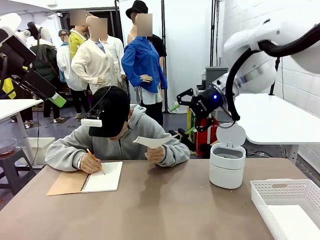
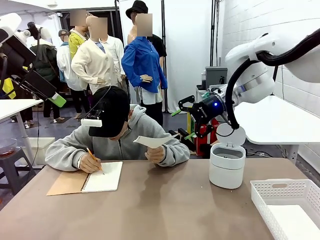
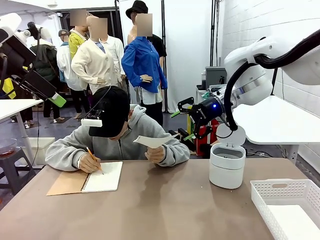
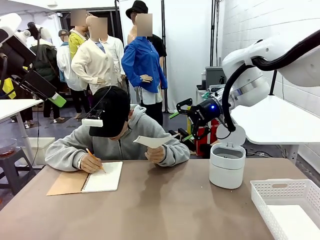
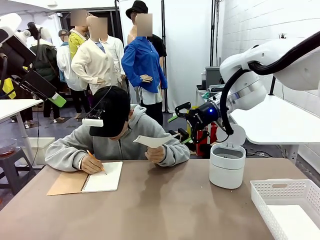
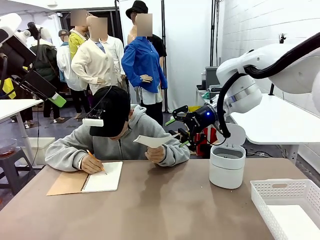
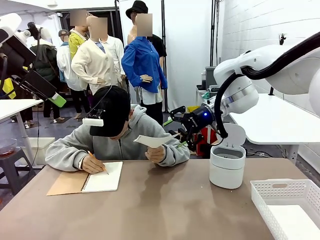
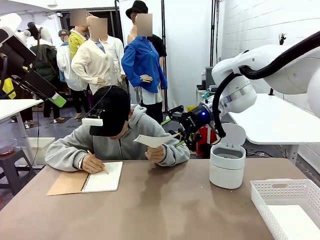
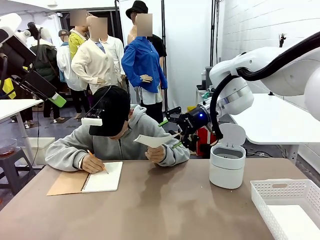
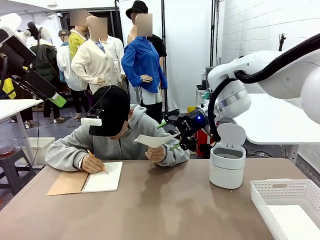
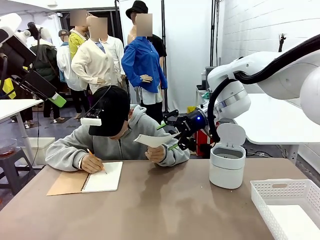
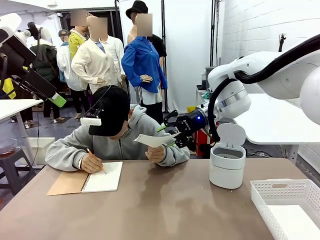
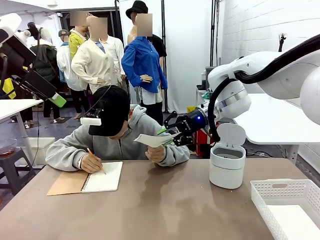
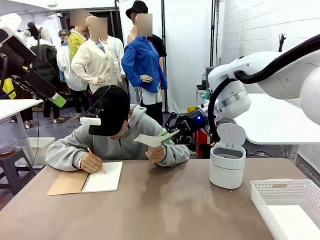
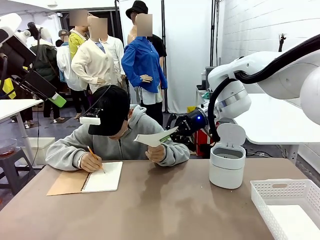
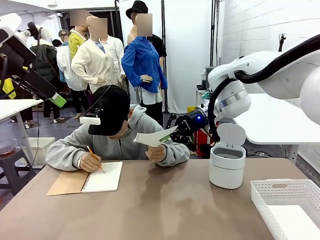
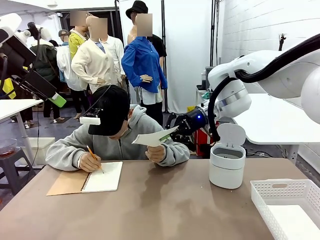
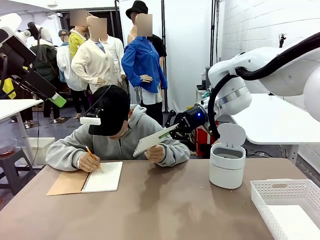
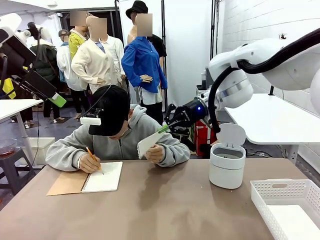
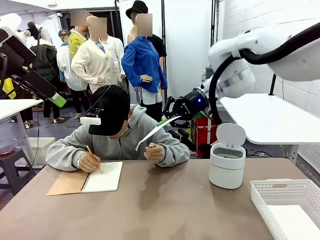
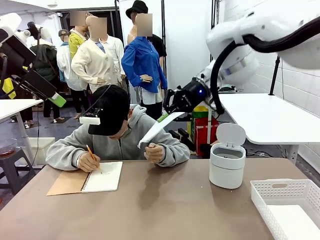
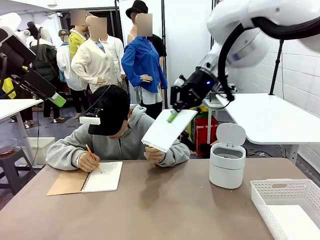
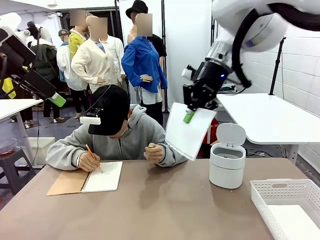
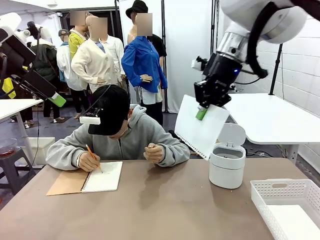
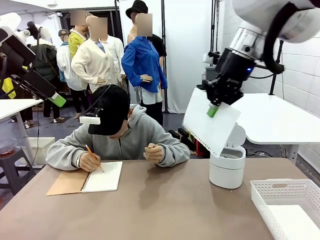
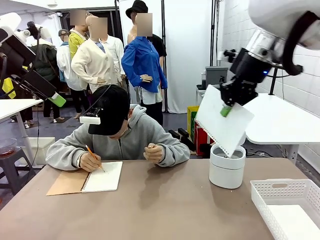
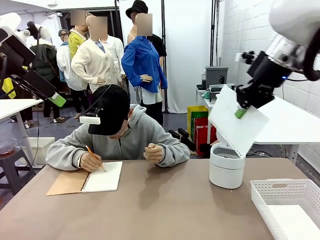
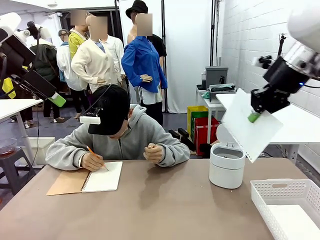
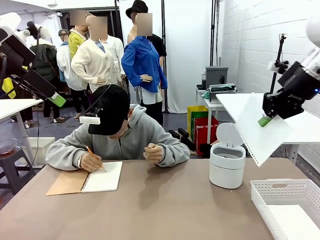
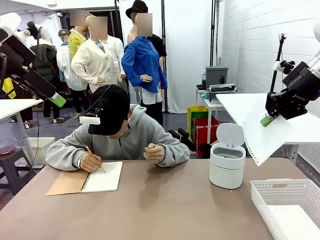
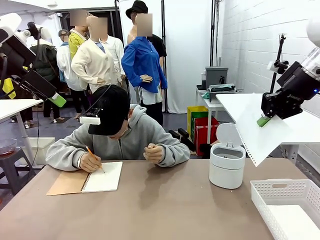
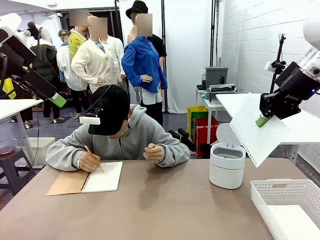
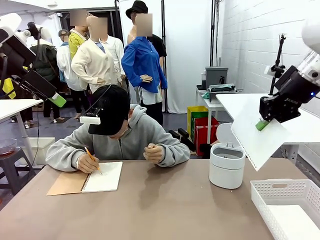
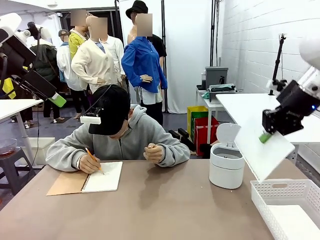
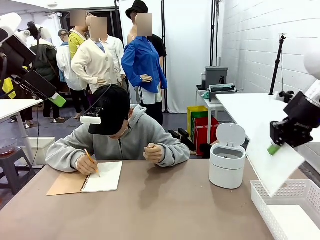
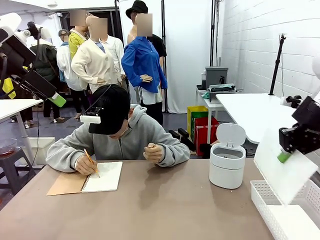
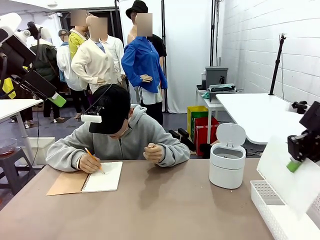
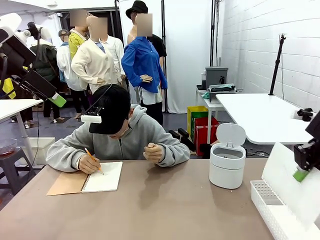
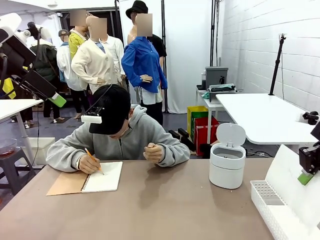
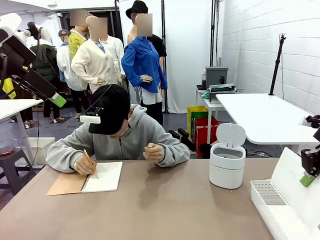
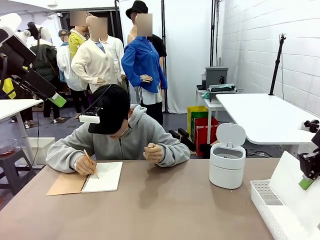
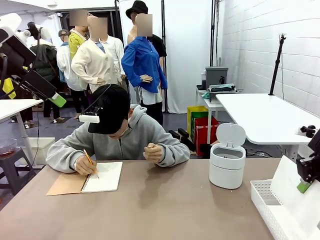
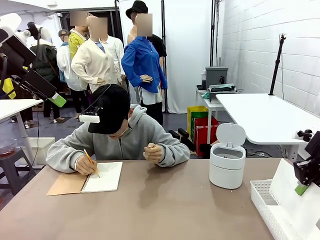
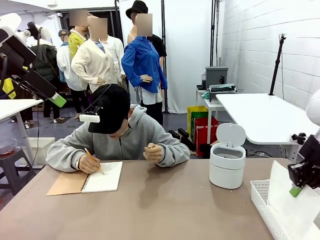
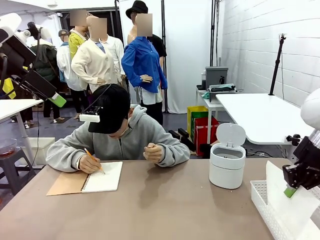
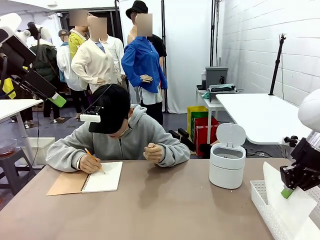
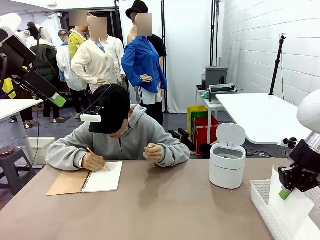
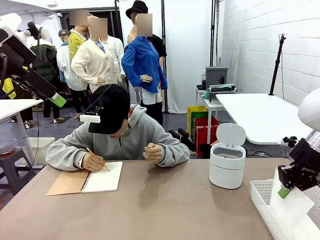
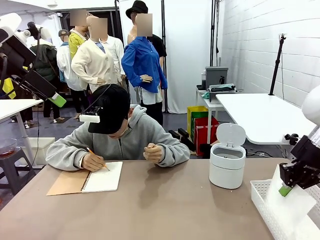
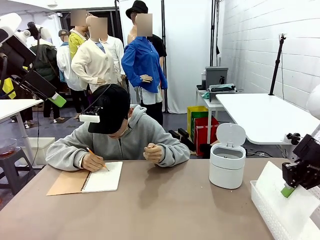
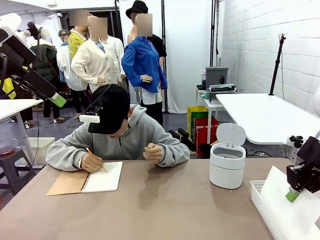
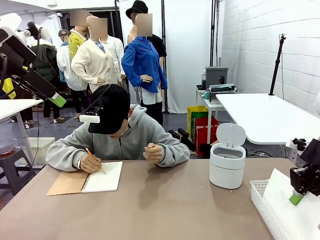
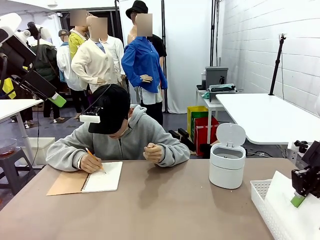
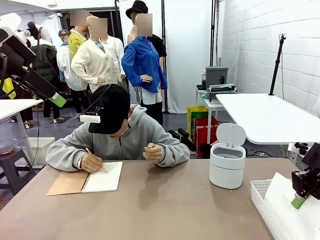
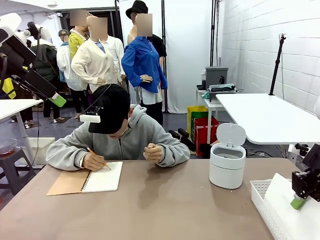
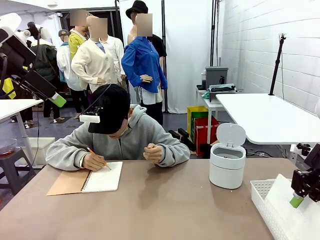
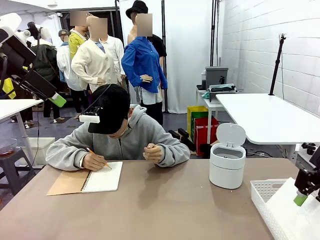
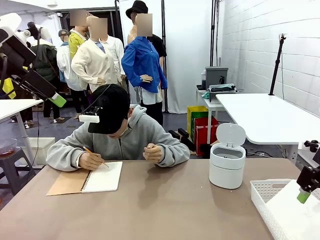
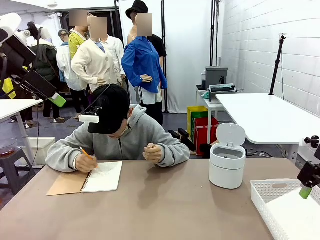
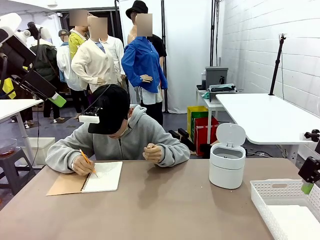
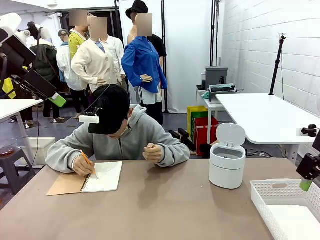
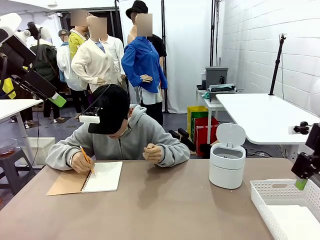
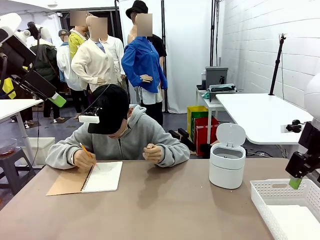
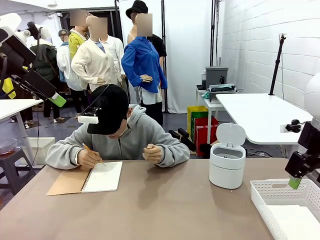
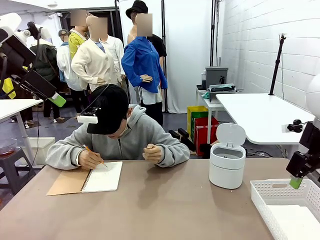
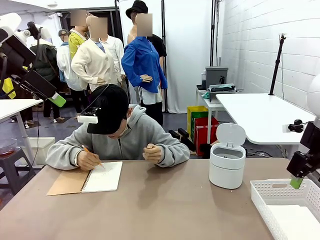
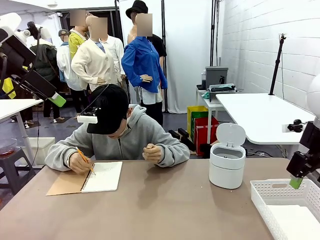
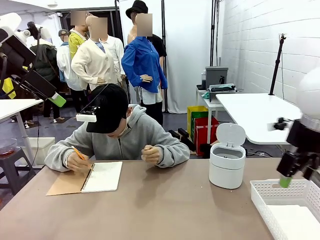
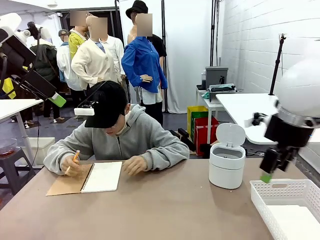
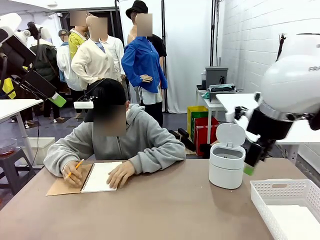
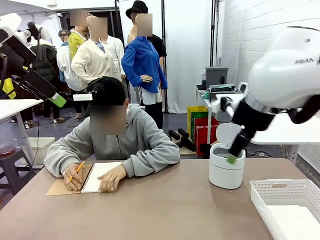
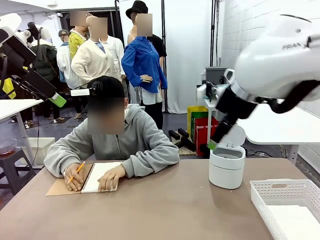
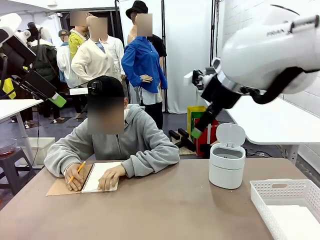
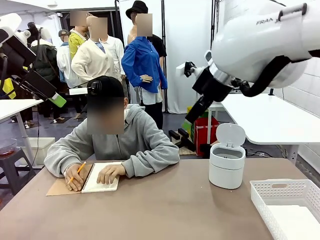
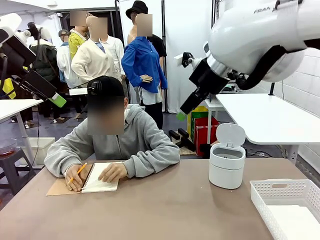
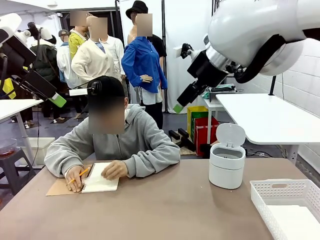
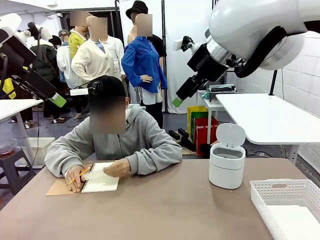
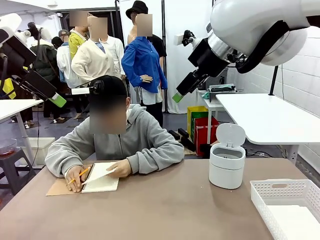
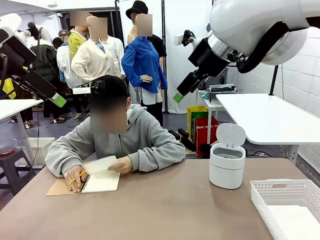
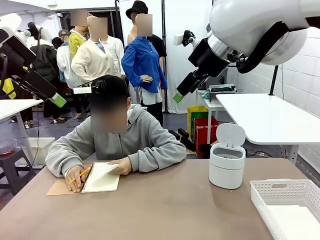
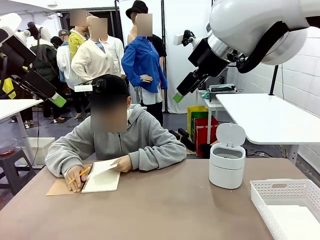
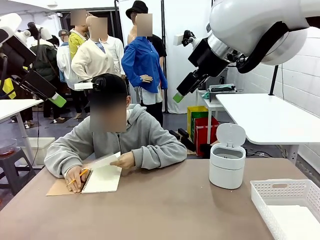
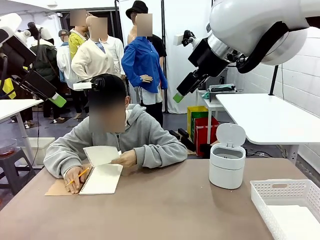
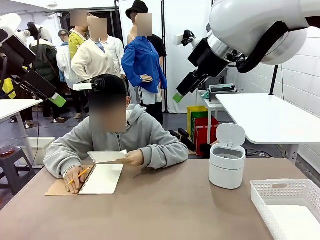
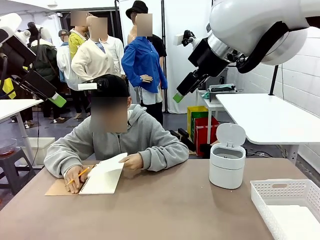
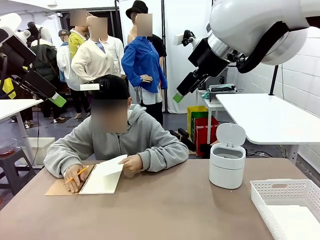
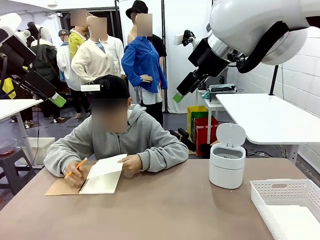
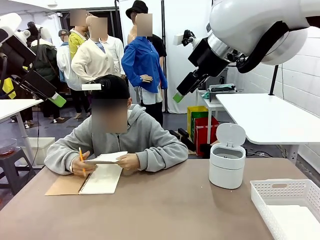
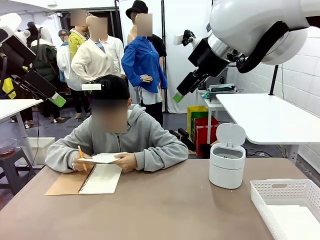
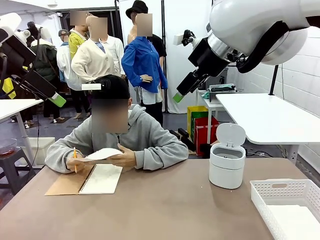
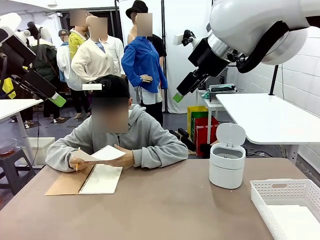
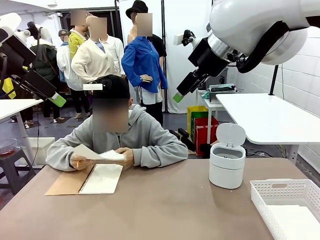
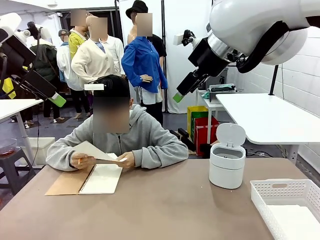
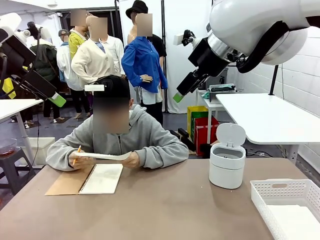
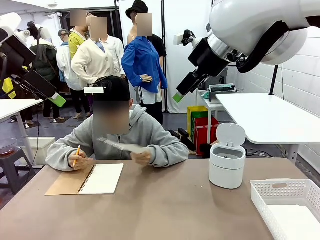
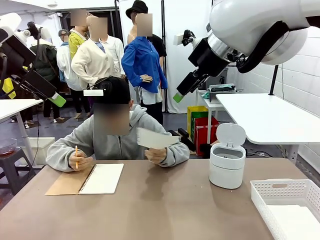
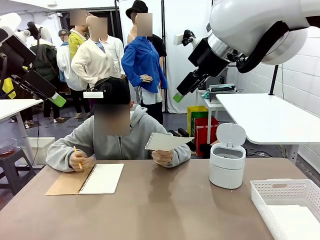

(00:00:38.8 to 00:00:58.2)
Task: Sort the paper based on its condition.
Robot: If a person hands you a paper, place it in the Organizing basket , and if it's crumpled, put it in the Trash can.
Person: Tear out a page from the spiral notebook.
